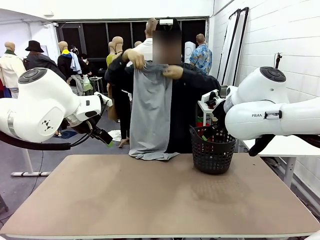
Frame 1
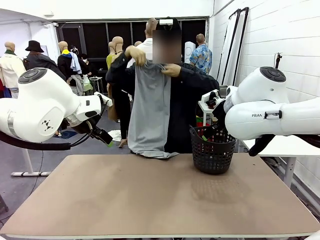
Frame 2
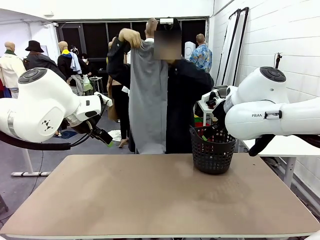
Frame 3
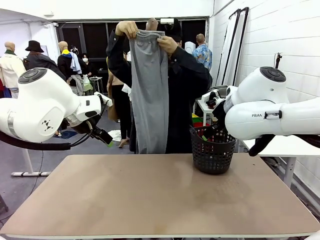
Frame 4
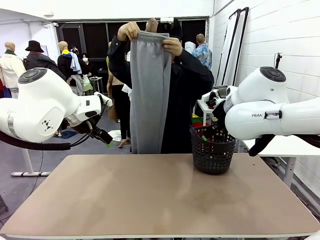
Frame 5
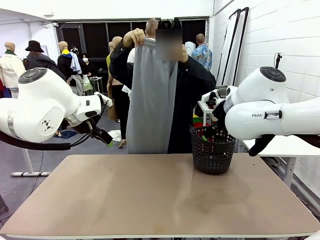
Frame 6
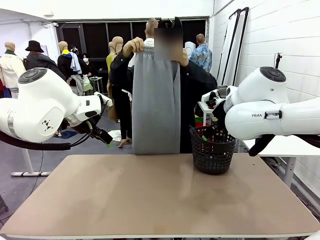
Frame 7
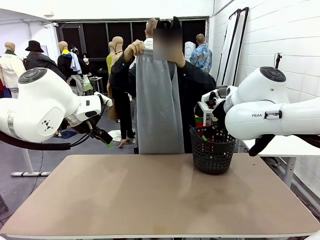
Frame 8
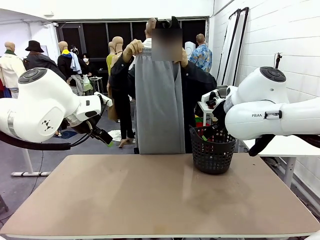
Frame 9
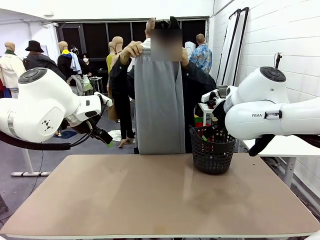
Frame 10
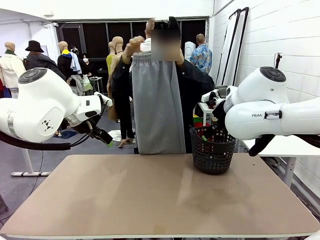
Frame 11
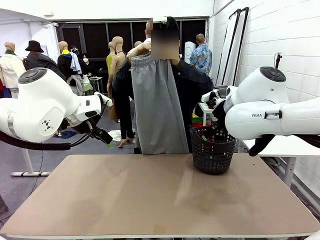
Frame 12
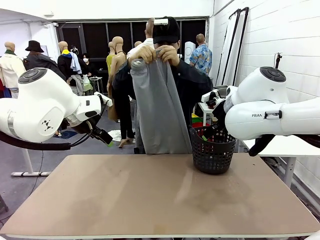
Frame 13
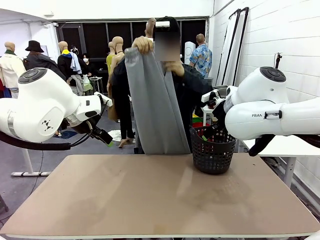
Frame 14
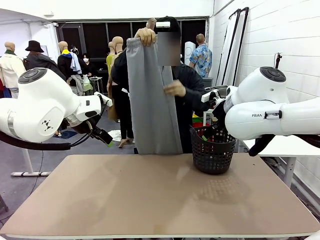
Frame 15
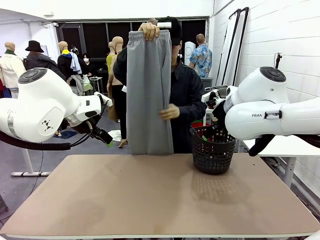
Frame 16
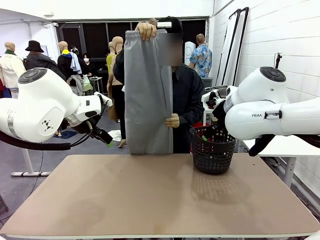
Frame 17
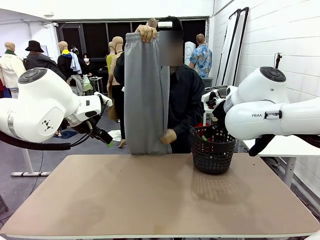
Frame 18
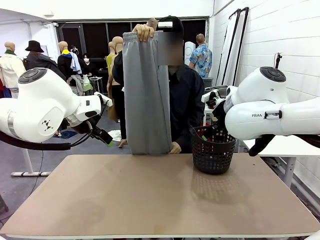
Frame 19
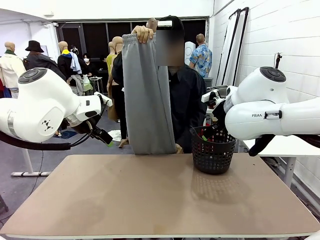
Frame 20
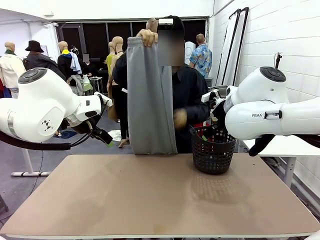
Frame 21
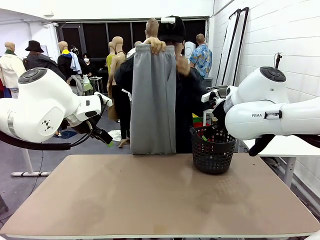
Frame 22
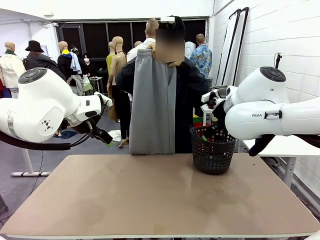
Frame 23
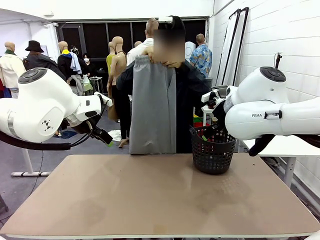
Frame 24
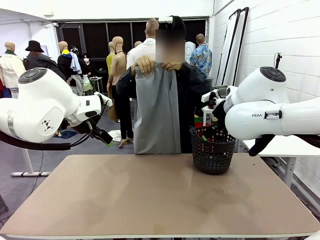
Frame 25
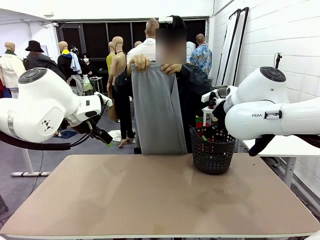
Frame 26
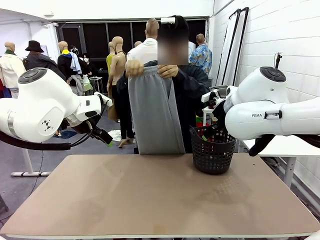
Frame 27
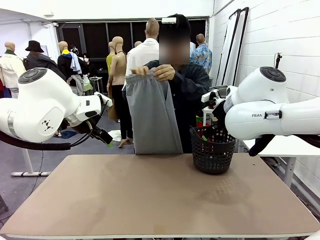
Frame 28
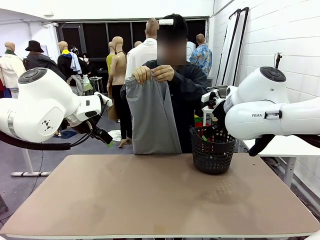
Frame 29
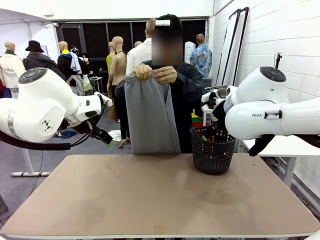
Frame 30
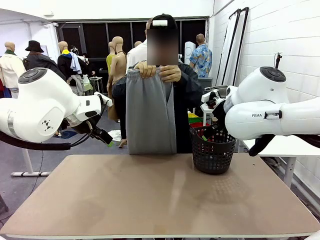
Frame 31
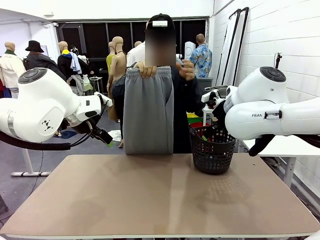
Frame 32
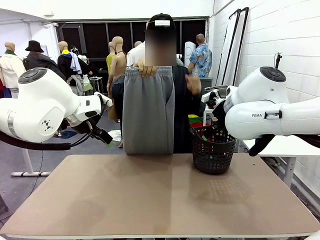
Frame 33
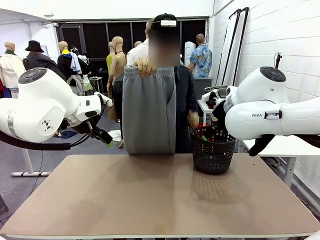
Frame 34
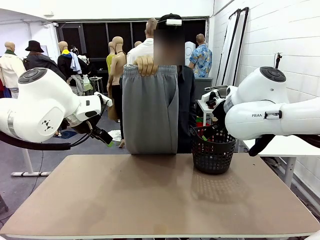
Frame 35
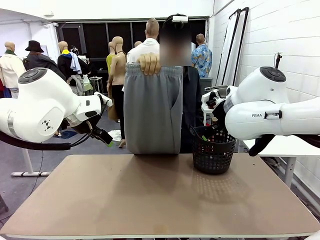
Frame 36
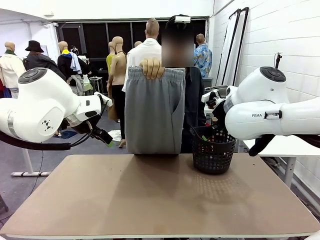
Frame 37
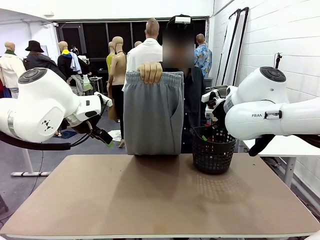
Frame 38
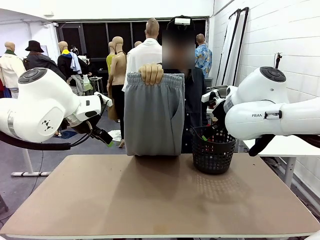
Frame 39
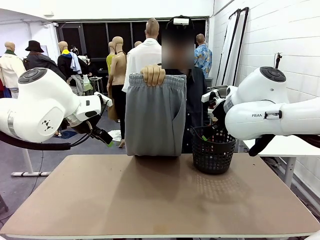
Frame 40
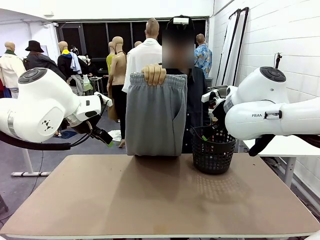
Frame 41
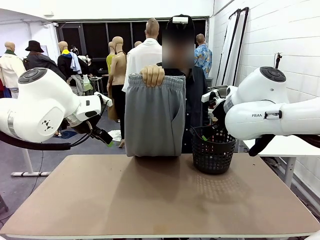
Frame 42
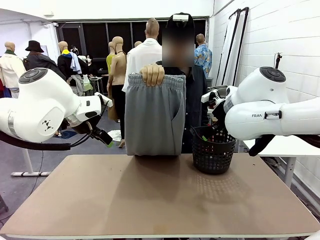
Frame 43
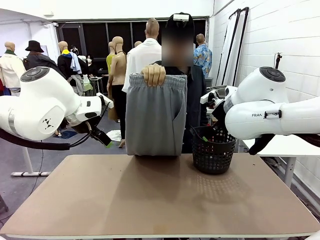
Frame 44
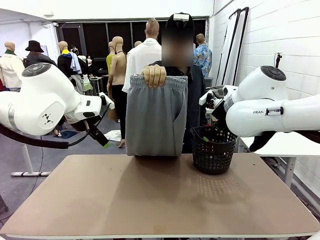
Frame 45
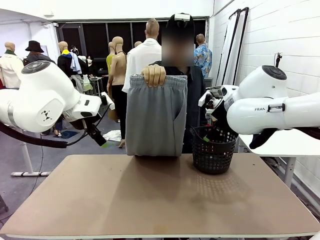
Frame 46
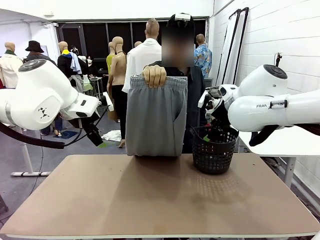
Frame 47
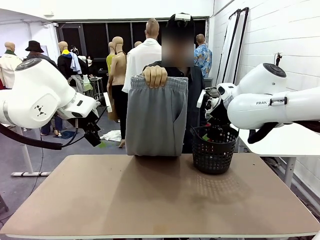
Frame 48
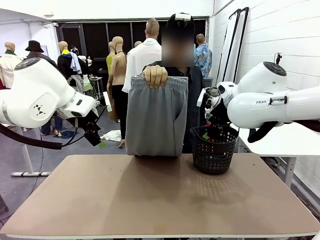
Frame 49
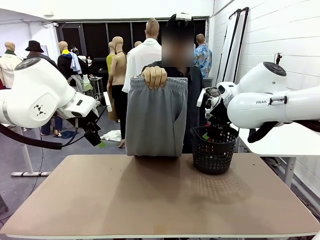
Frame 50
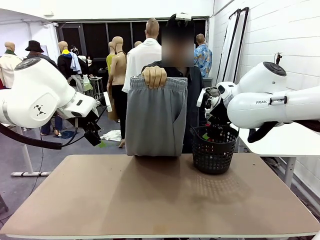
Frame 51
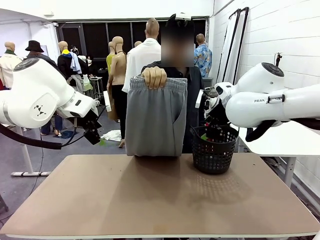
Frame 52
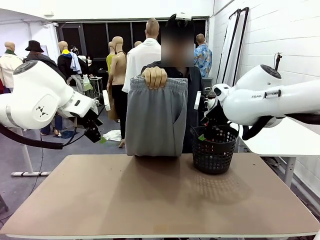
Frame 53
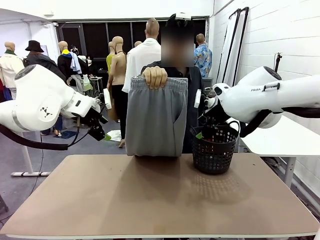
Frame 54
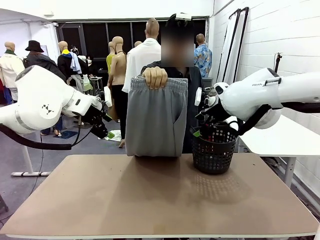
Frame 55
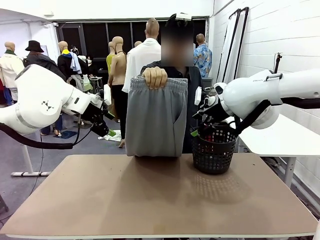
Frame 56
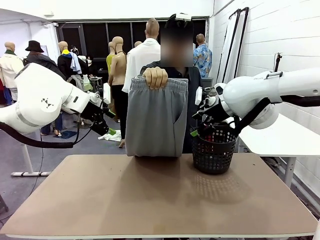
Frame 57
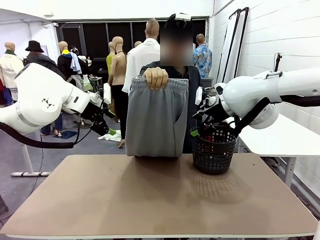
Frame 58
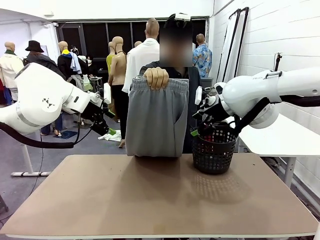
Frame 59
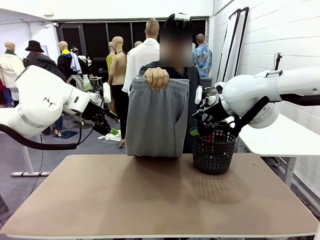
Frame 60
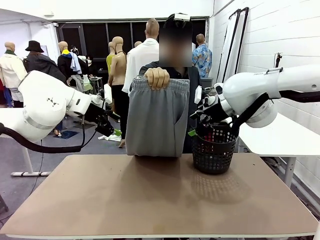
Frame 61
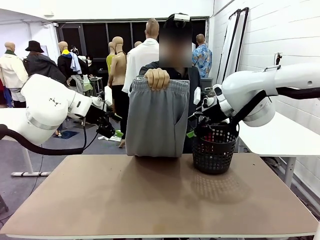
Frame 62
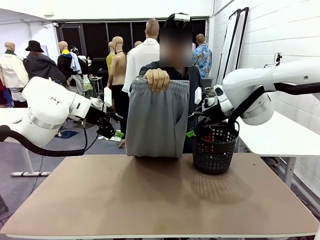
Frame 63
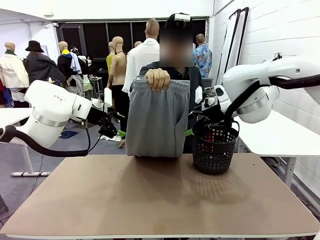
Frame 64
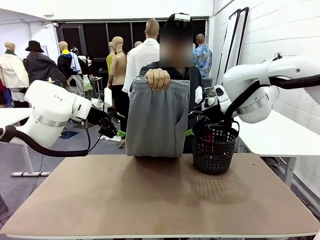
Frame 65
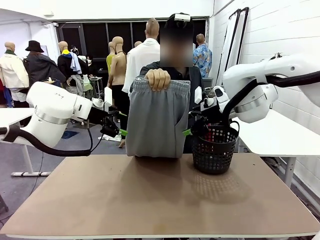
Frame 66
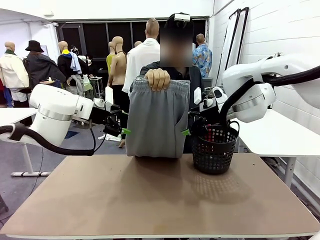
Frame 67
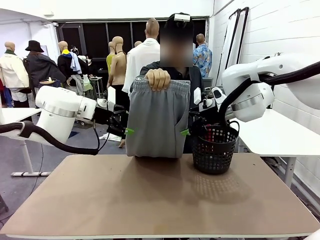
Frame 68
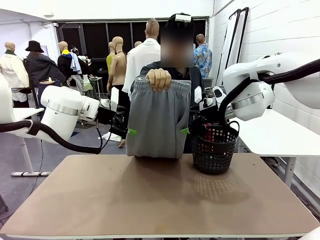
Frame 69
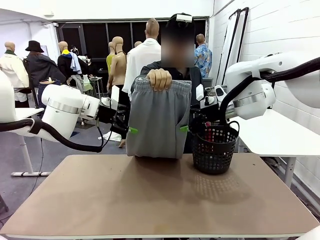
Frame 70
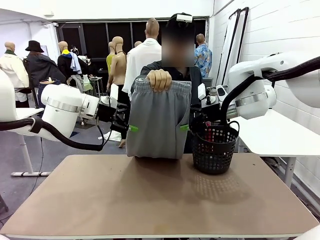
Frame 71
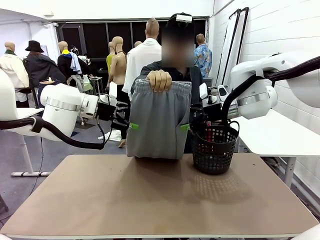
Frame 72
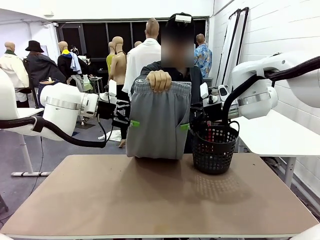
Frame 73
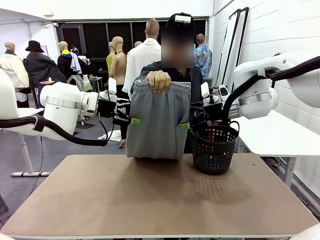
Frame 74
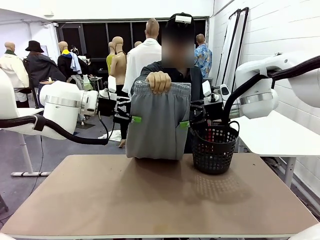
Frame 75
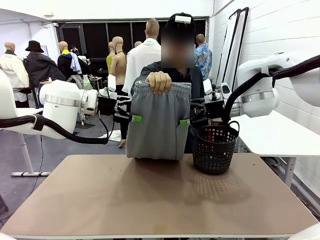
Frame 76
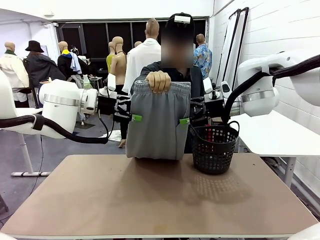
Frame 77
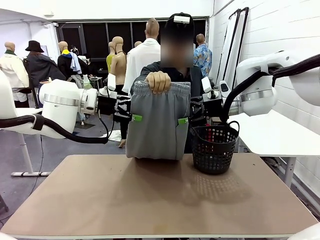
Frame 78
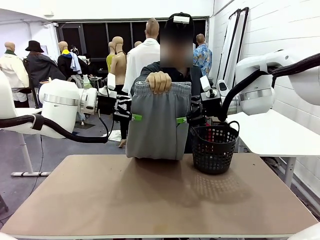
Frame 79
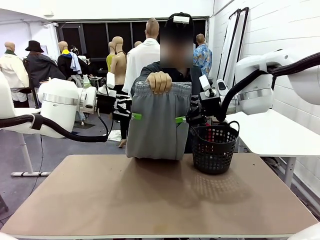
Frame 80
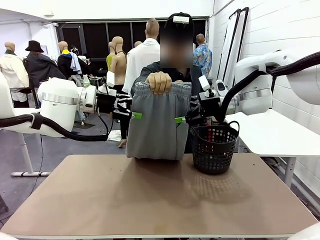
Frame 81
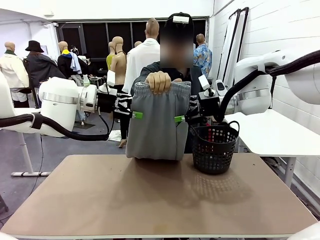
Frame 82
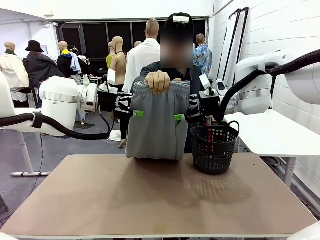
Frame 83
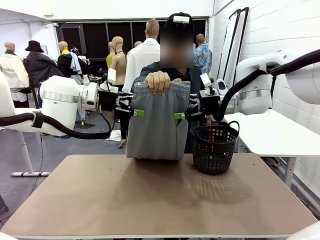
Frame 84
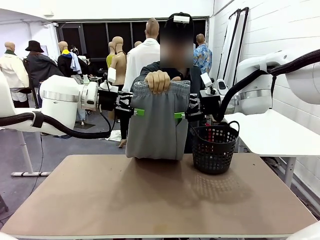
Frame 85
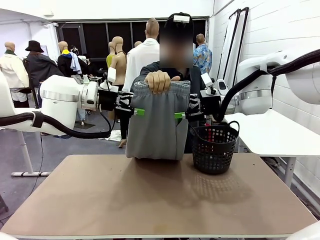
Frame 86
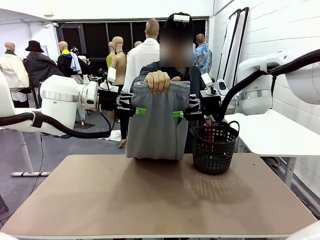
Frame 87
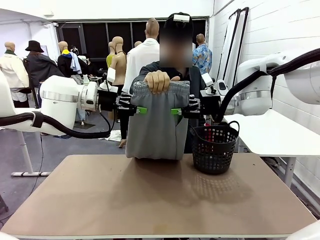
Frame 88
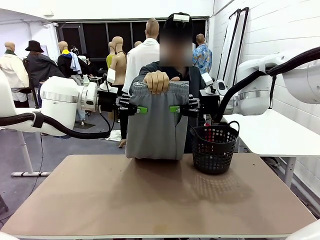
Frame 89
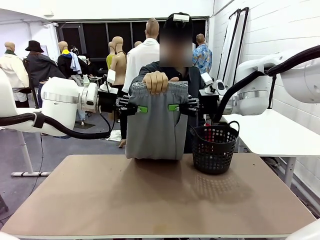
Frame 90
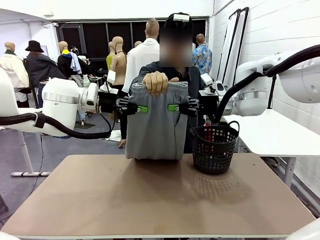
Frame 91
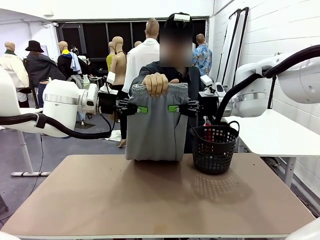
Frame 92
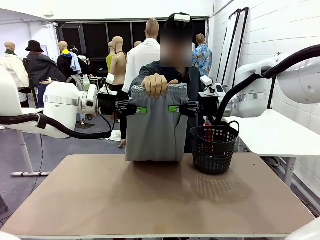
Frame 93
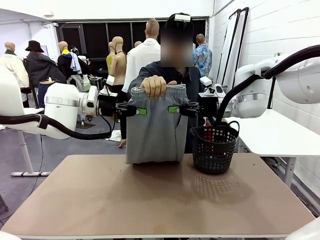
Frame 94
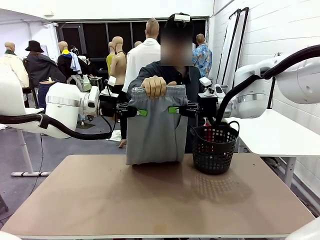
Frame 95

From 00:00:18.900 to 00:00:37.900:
Task: Fold the training pants.
Robot: Grab both ends of the Training pants handed by a person.
